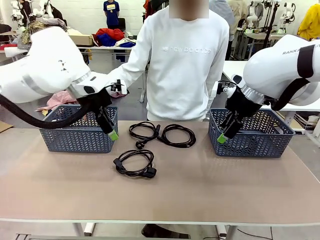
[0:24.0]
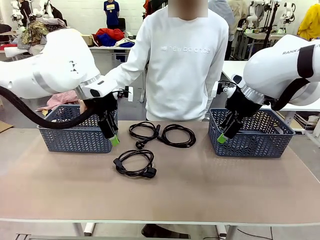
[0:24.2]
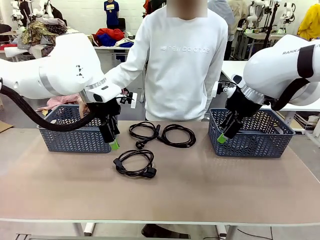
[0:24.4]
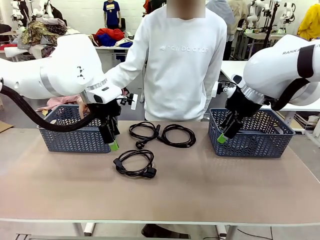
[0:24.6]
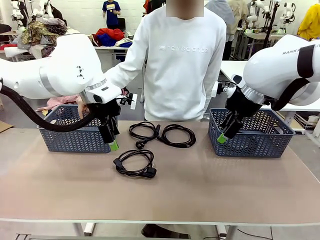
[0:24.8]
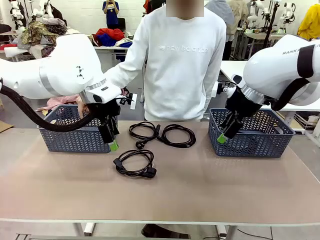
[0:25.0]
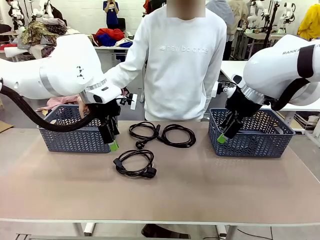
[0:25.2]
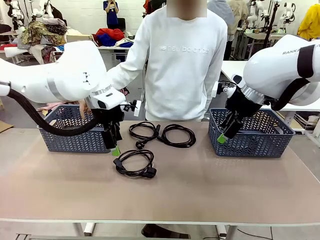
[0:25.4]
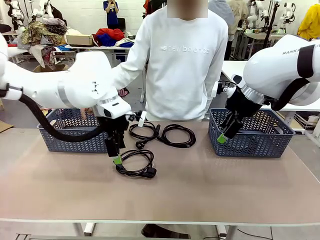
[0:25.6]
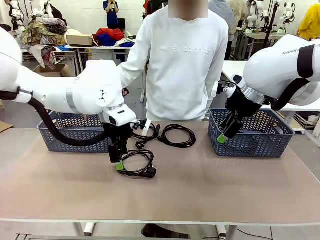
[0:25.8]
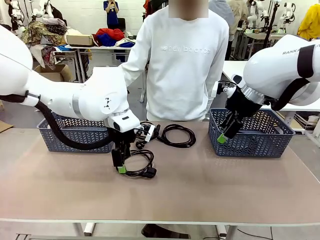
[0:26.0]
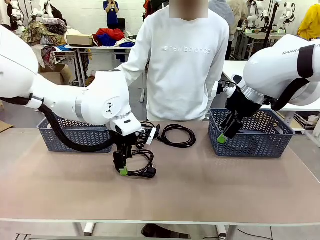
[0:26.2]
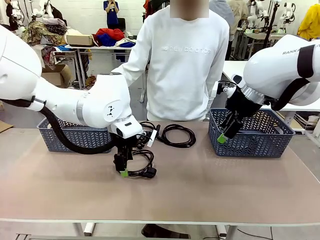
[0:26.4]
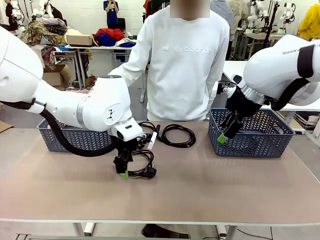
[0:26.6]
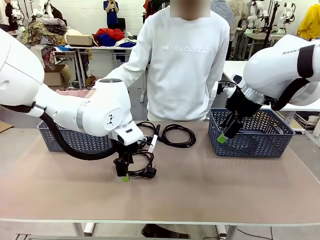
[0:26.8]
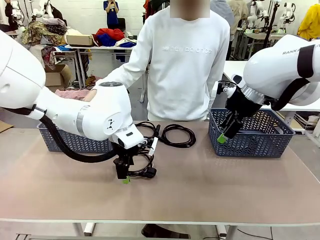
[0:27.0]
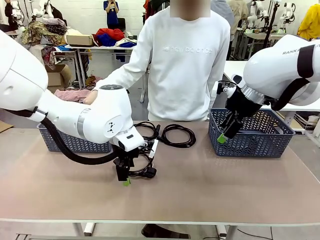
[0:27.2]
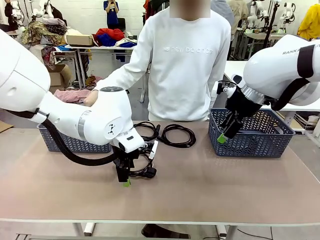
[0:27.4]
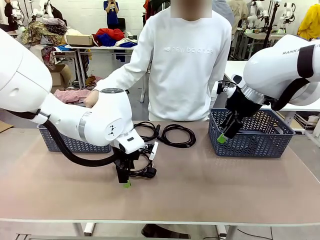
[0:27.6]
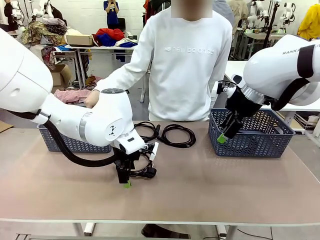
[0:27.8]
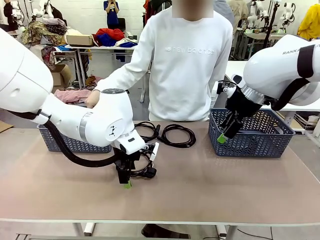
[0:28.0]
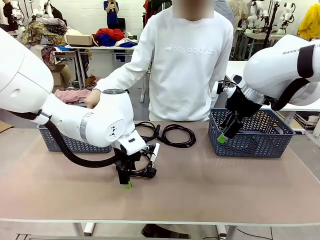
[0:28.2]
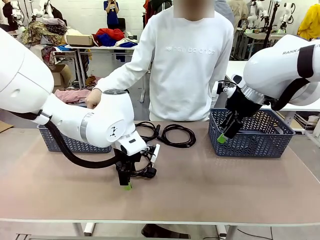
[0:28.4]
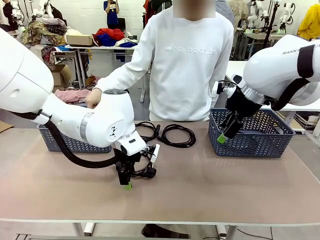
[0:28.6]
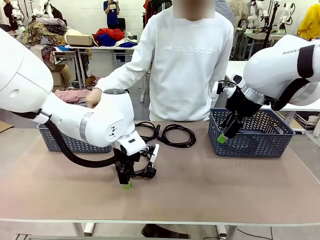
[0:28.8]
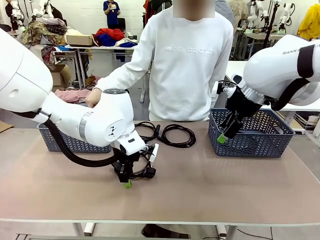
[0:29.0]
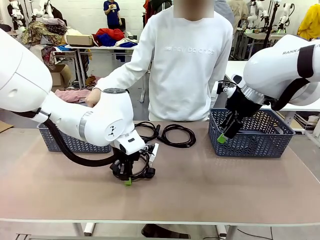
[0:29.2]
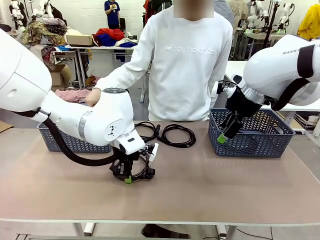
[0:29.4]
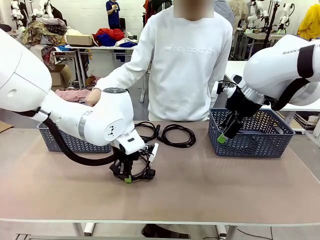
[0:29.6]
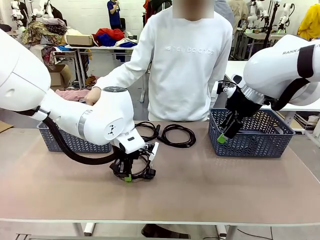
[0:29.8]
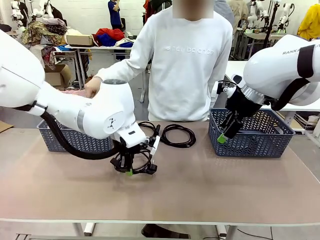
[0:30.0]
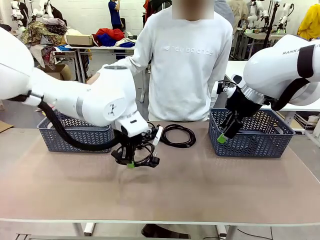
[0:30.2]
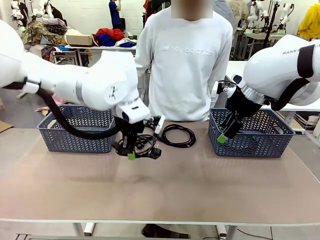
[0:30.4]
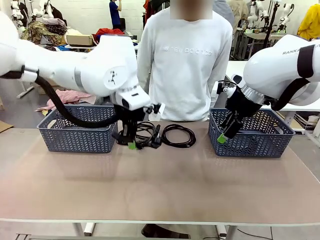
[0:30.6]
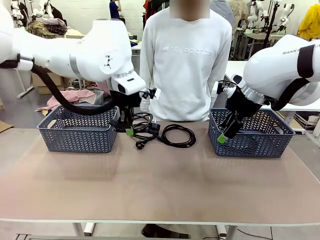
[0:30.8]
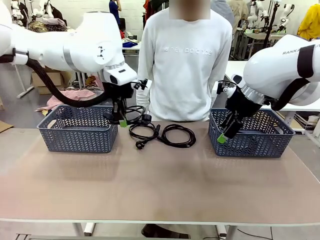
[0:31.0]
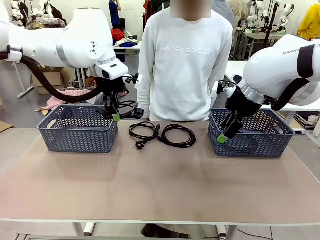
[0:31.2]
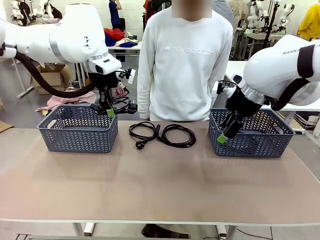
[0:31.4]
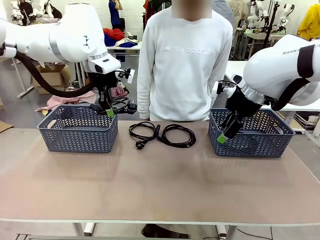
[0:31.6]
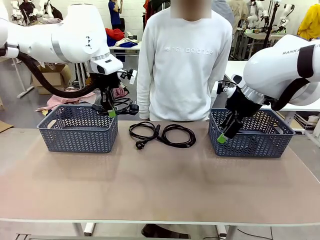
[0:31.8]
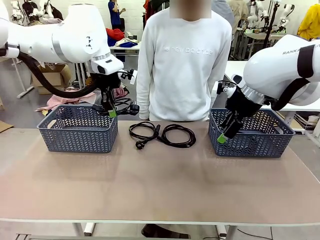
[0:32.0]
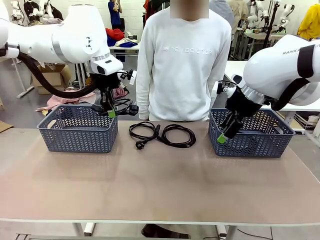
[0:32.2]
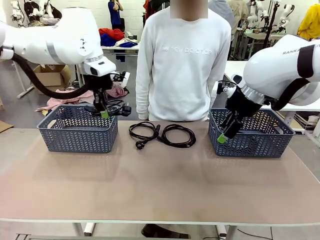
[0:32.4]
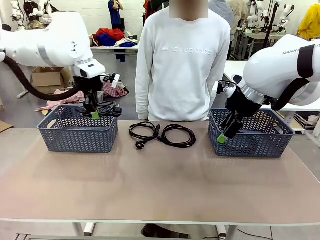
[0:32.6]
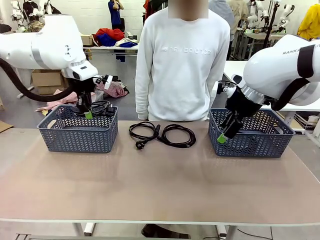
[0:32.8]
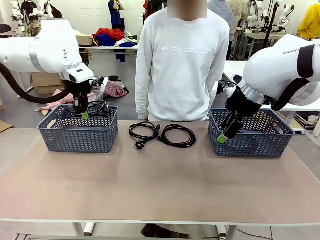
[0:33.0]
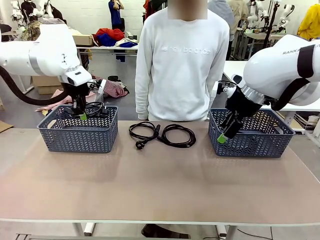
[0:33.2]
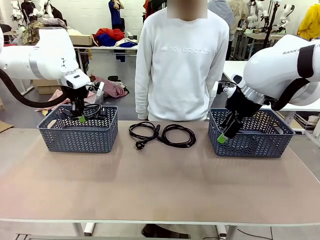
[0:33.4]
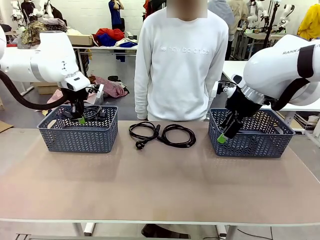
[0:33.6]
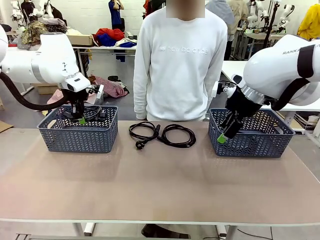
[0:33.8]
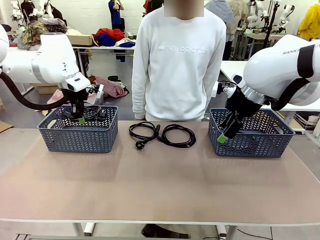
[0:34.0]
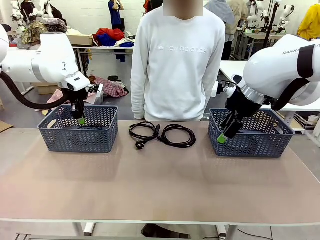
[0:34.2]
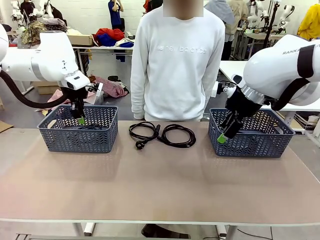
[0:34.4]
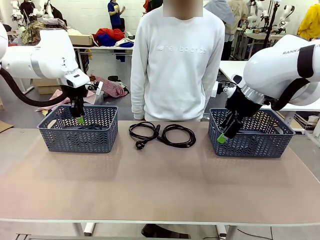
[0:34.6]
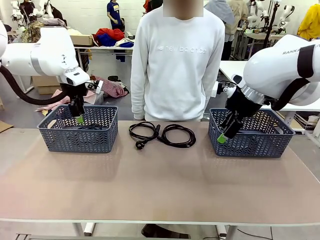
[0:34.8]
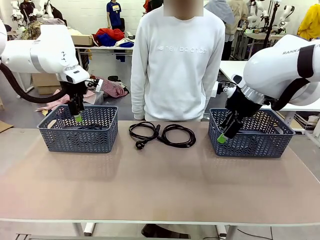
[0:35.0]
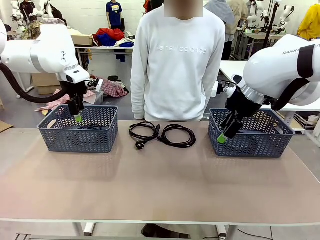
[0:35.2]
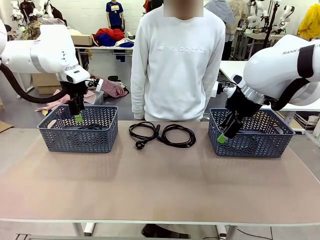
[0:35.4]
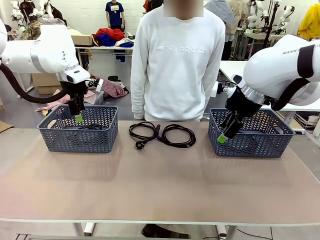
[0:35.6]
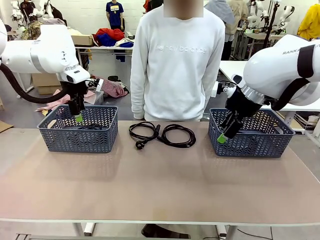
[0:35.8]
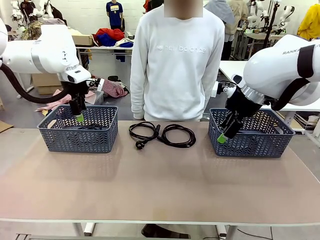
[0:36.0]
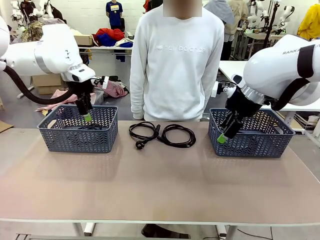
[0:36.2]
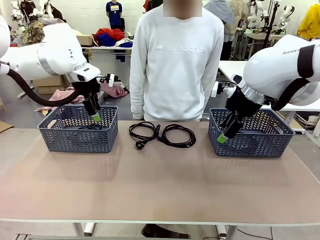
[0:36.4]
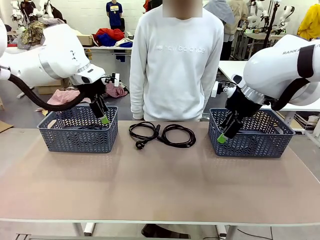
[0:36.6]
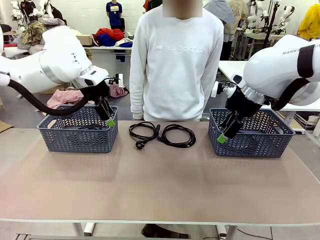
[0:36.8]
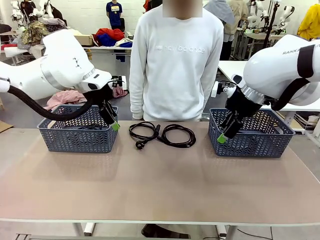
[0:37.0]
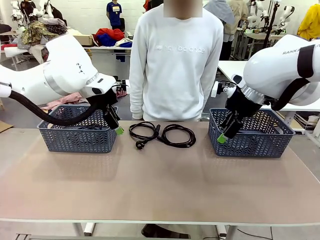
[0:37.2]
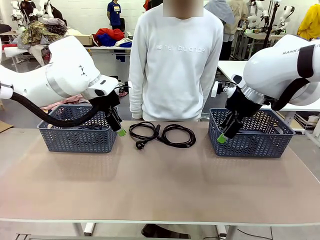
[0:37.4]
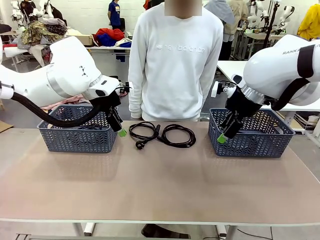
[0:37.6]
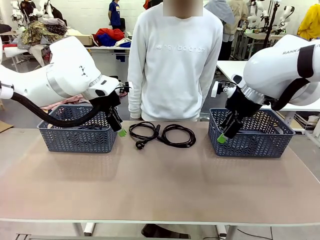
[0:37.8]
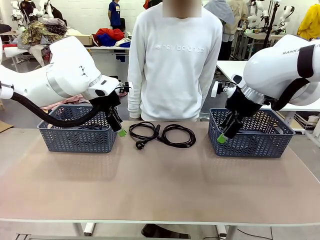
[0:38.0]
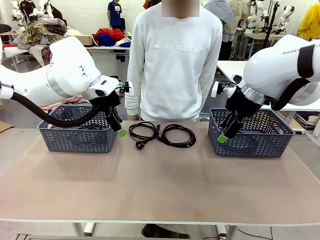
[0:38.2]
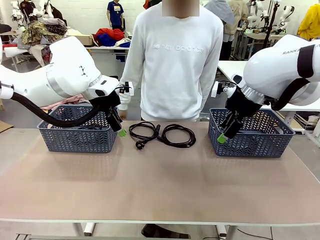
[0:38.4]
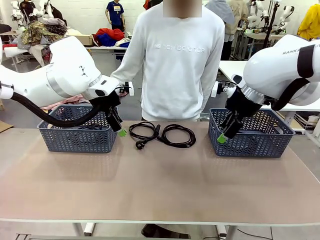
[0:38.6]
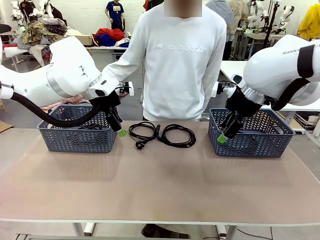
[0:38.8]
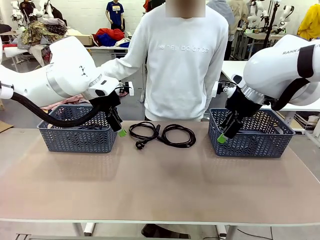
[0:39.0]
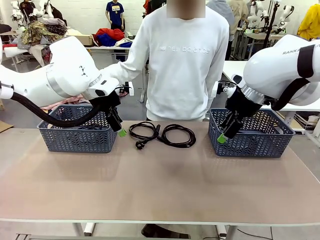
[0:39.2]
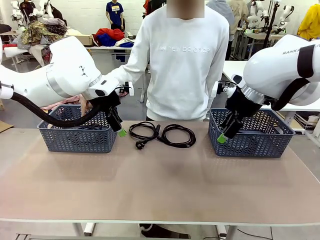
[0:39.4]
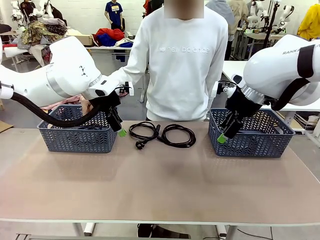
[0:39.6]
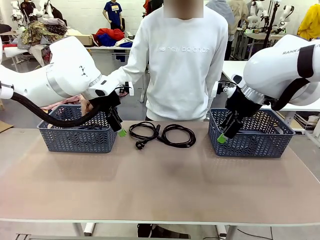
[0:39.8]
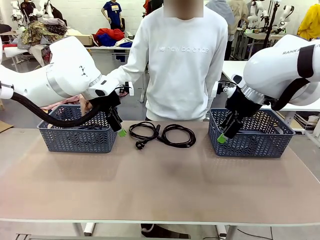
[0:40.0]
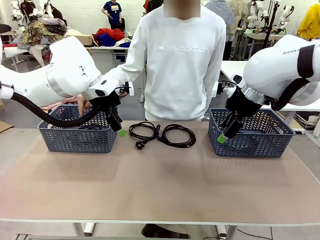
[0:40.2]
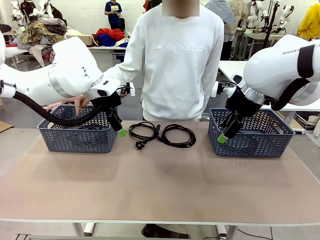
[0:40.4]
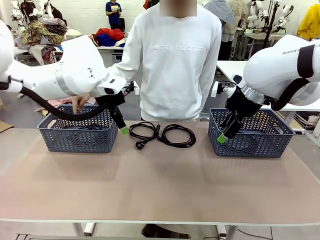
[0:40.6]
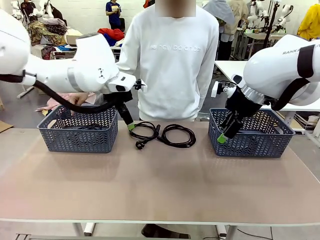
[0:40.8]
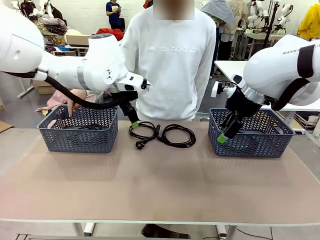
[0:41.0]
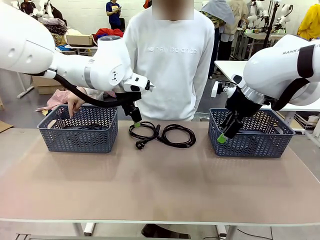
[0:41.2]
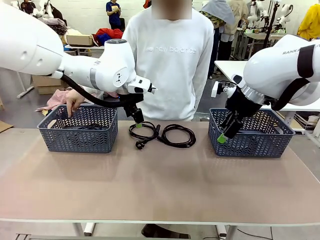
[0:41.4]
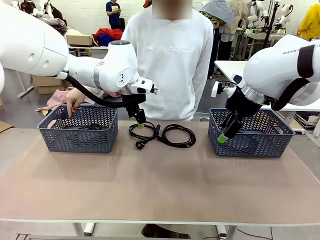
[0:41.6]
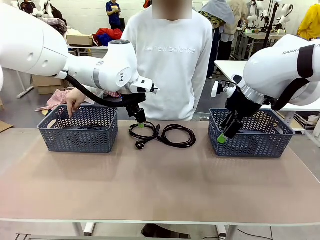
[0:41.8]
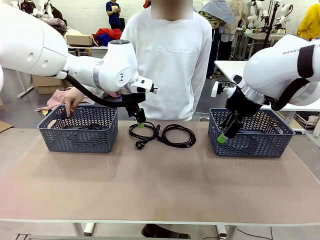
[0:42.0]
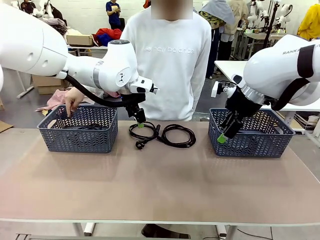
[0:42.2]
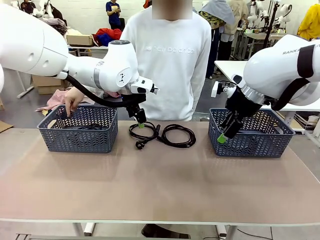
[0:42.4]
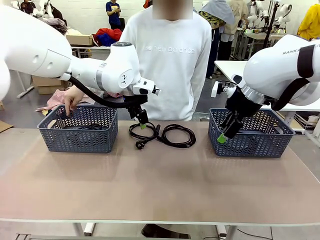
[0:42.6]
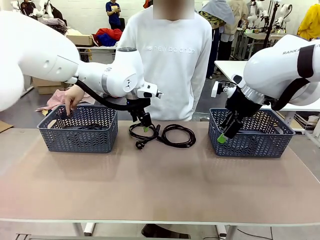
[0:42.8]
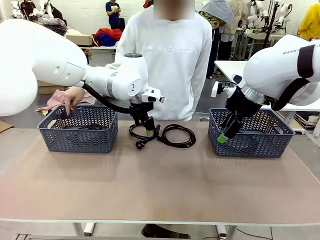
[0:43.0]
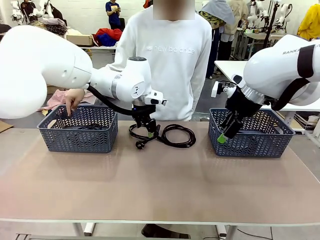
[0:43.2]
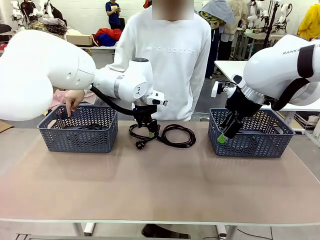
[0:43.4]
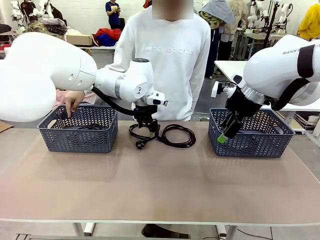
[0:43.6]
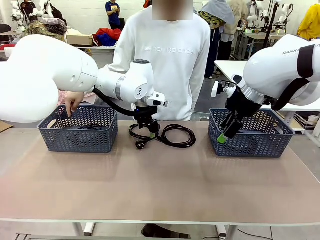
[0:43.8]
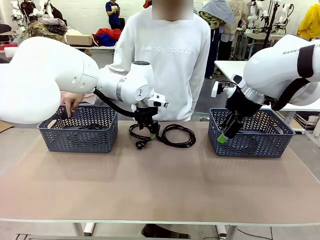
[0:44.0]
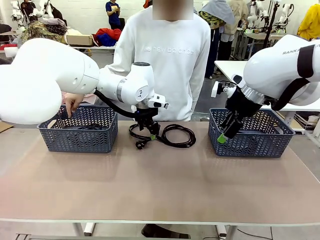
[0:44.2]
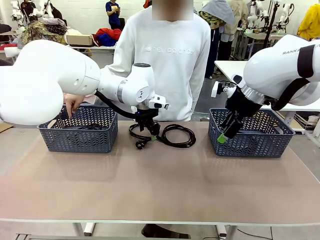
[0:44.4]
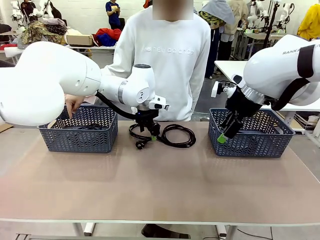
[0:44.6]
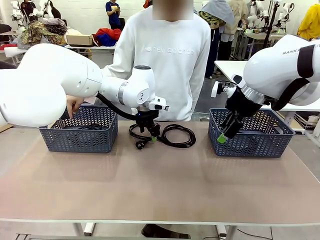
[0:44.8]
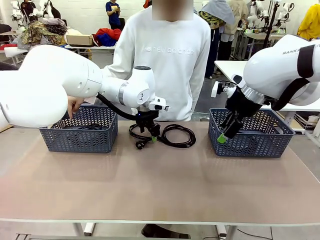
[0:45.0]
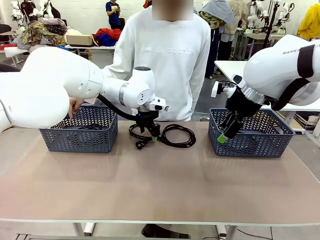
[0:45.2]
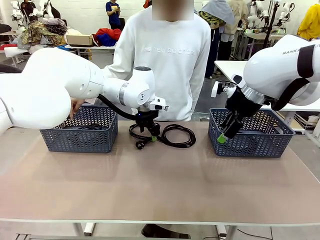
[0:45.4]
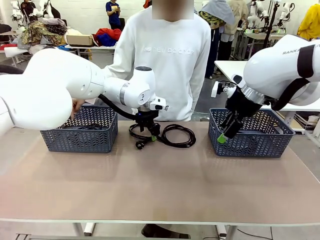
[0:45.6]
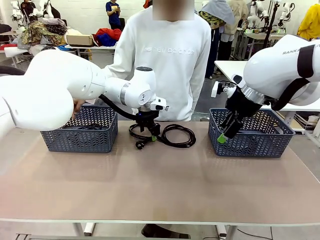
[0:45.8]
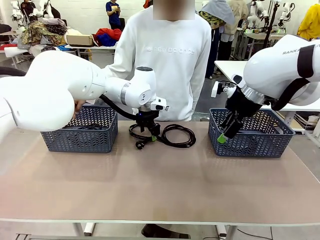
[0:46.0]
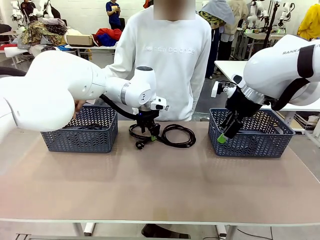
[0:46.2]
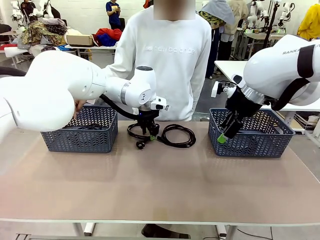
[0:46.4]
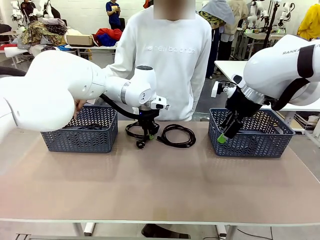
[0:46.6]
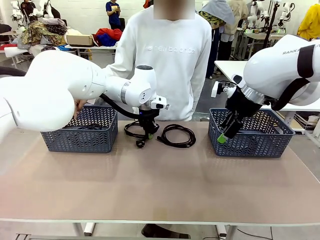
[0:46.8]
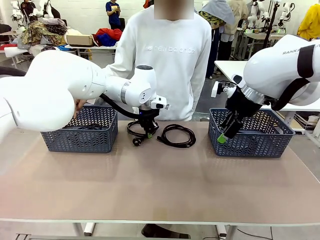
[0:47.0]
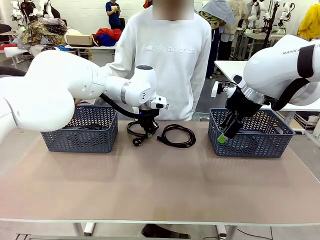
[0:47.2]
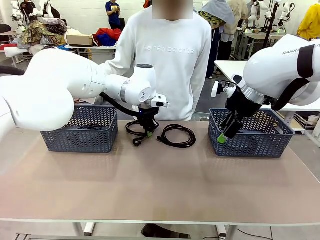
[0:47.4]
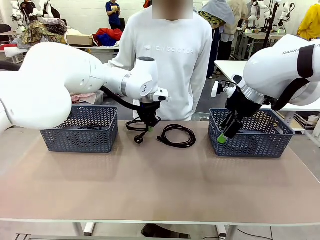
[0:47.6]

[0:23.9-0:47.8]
Task: Organize the cables according to human instructions.
Robot: Pick up a bundle of cables and place it in the basket indicated by the human.
